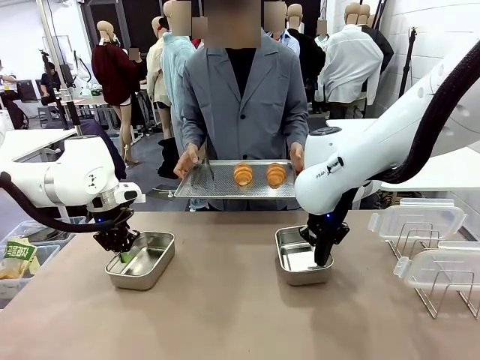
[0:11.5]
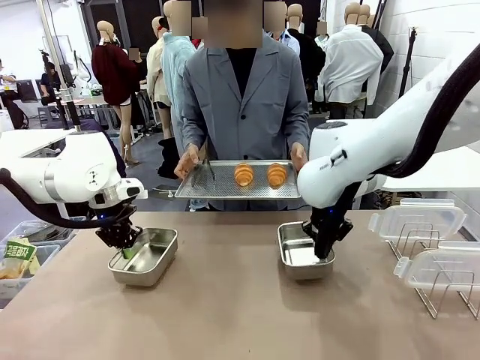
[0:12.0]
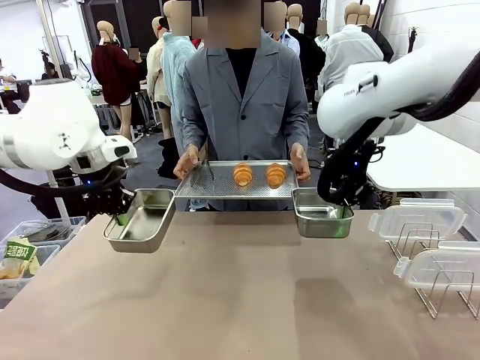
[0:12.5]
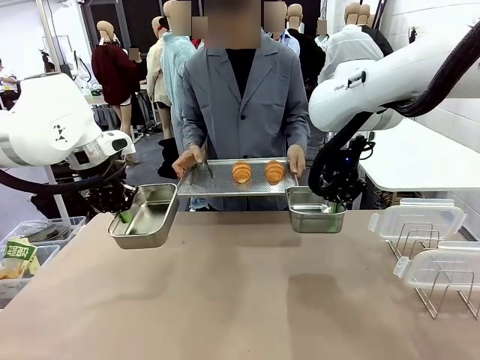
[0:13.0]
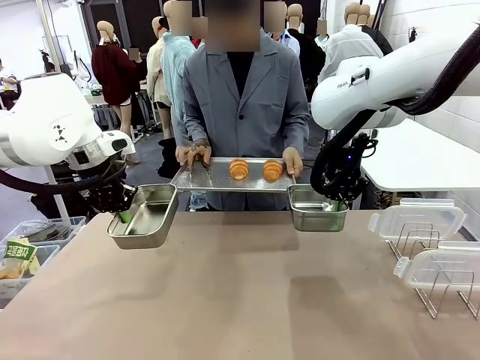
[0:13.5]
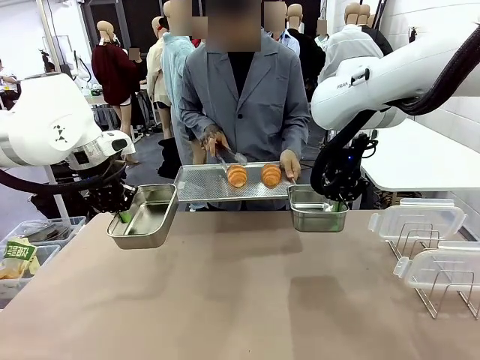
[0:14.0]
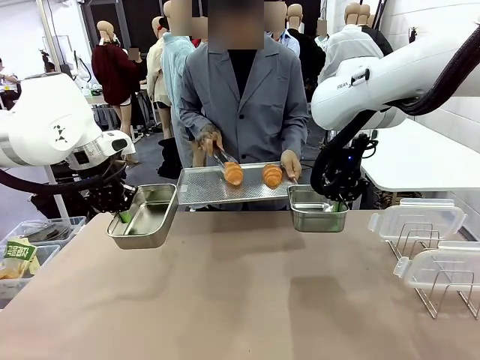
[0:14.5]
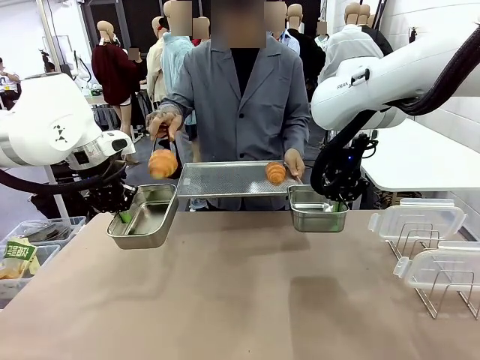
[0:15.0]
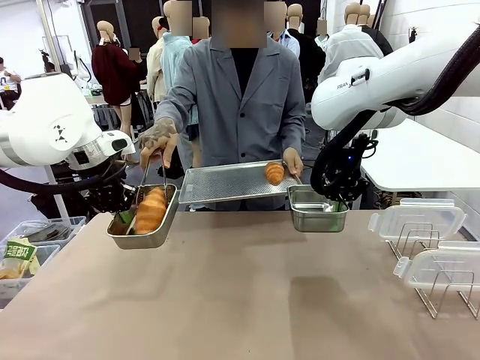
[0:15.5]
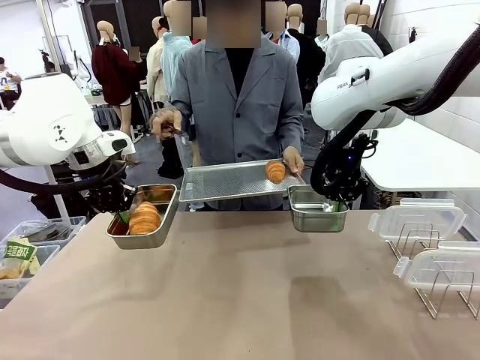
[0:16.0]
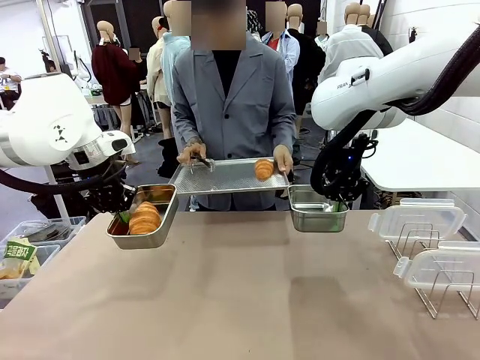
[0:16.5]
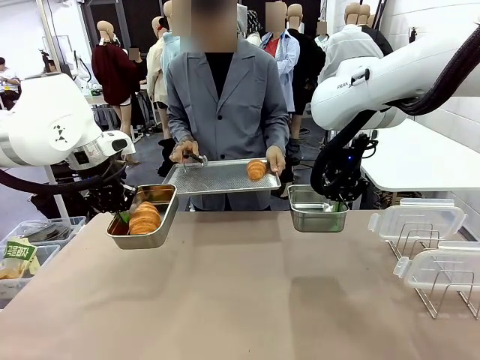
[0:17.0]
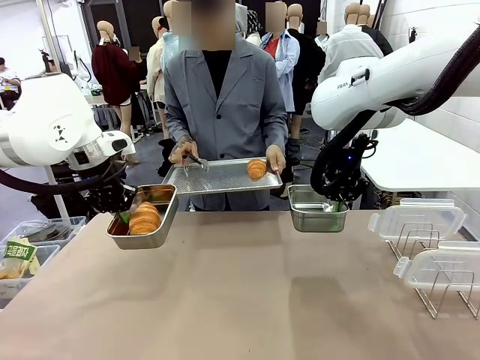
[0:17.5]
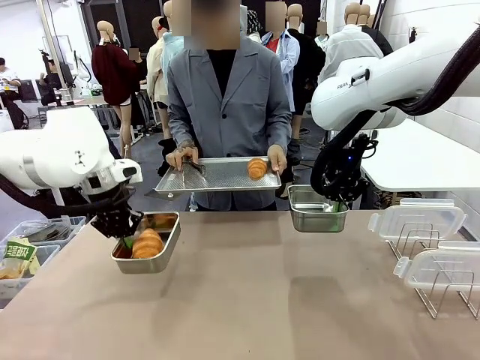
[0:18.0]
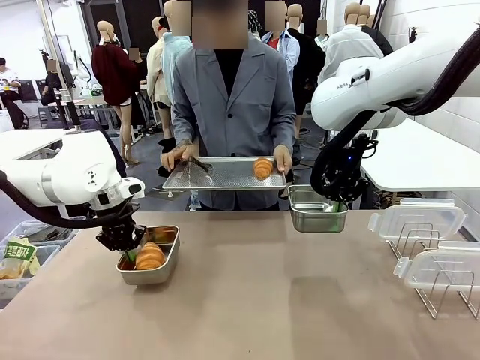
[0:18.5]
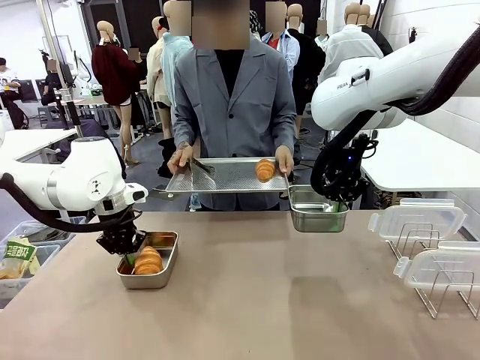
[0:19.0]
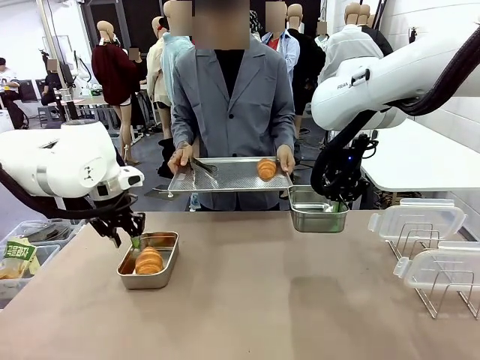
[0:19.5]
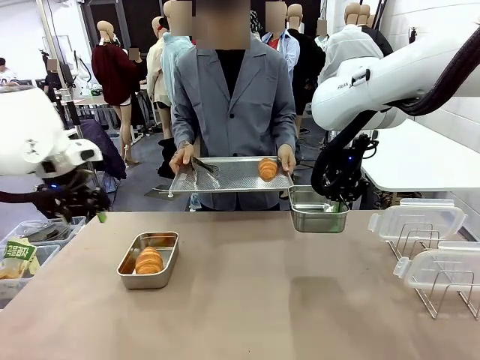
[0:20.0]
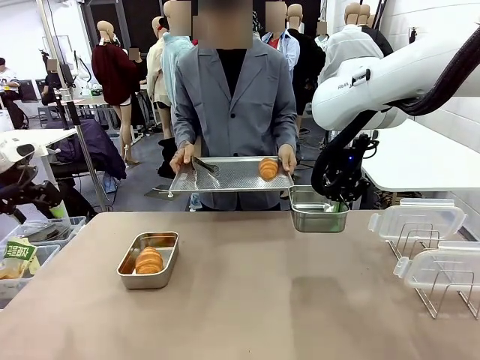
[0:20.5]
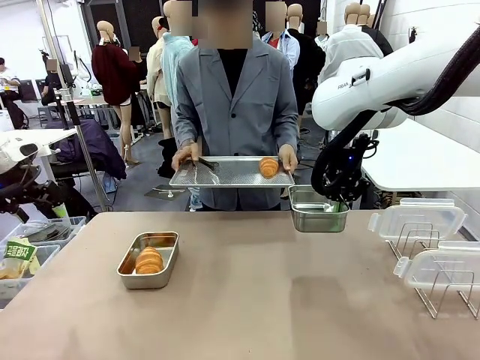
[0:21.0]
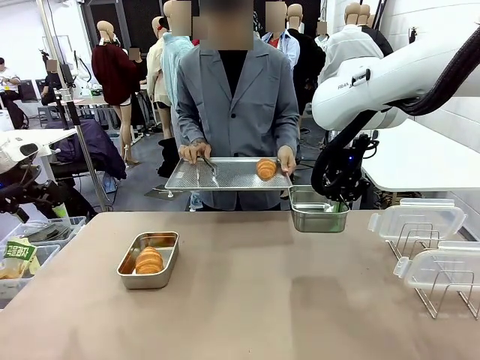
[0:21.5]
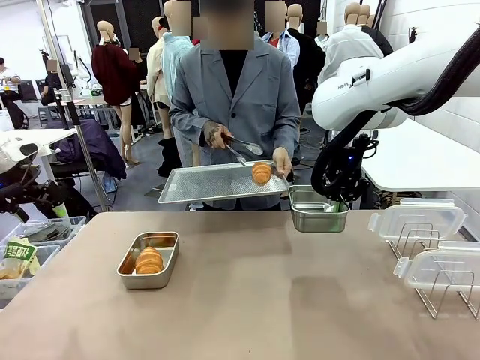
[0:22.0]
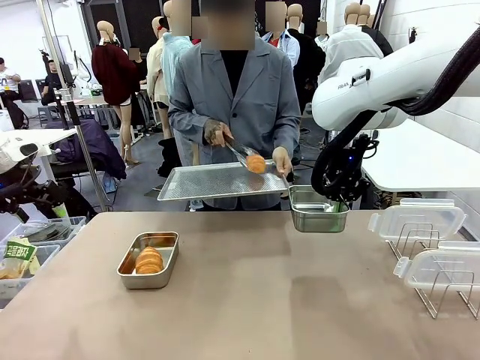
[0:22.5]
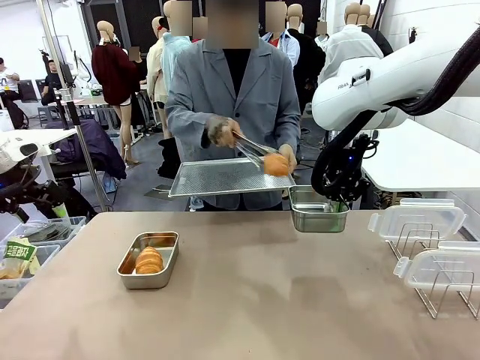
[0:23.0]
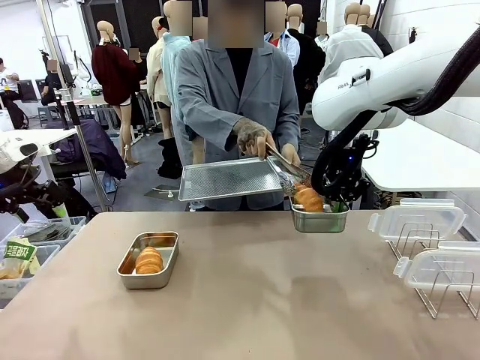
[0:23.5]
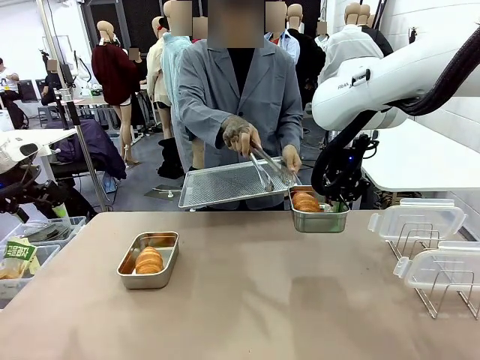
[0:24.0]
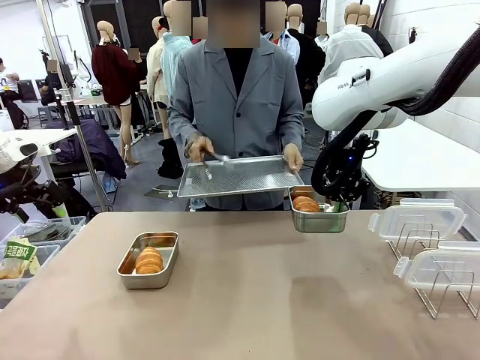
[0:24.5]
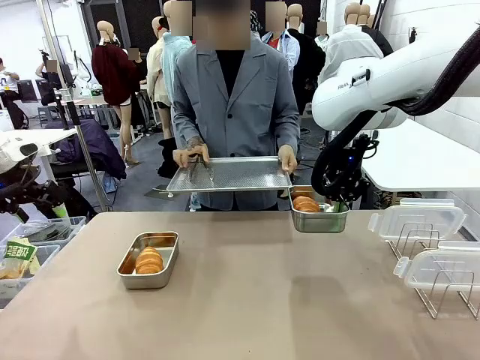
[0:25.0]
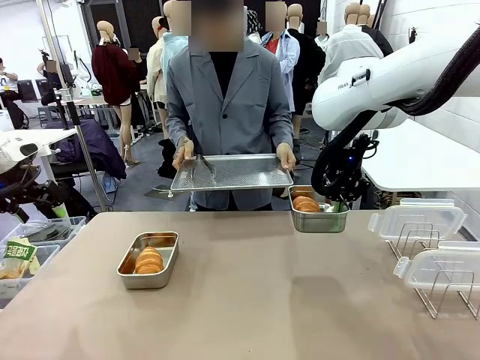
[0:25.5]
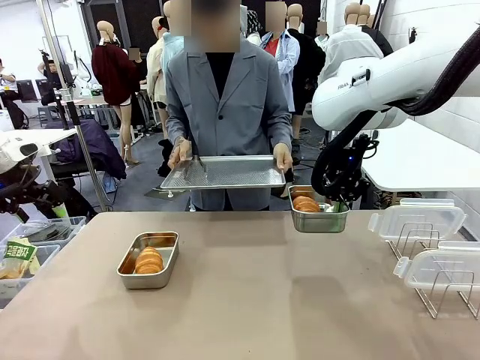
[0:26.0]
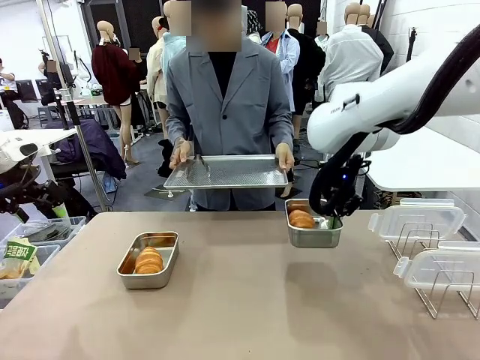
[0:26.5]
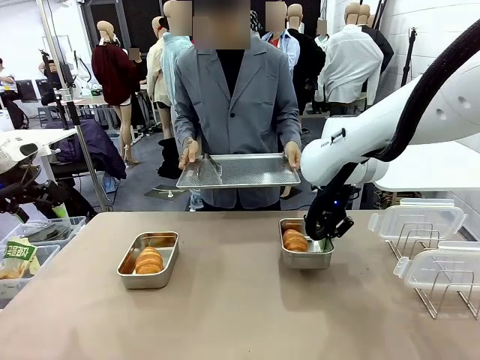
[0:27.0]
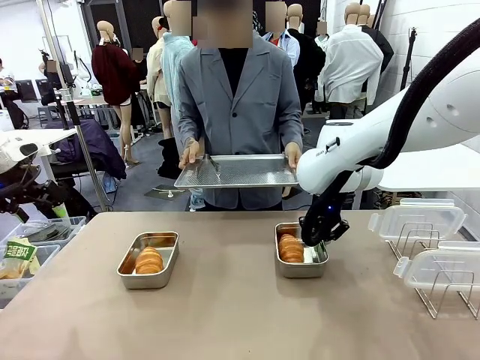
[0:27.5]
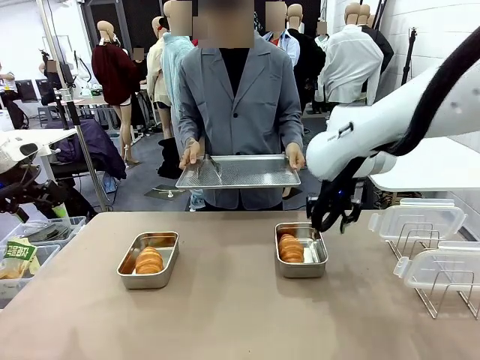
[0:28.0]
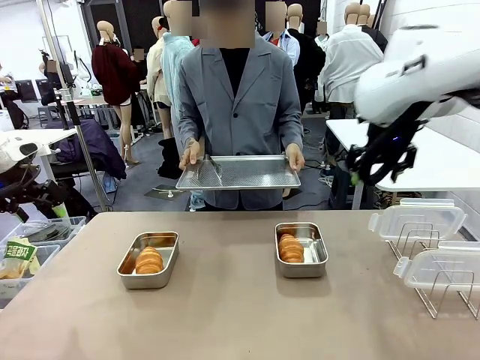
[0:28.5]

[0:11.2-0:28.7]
Task: Place the bread in airtight containers.
Robot: Once an object is inside an Airtight Container , place the container in the center of the table.
Person: Use the Stainless steel tongs to place one object from Baking Sheet into one Airtight Container.

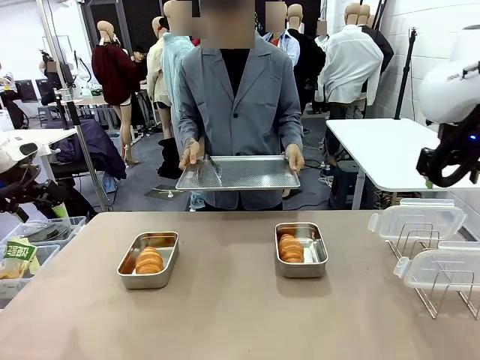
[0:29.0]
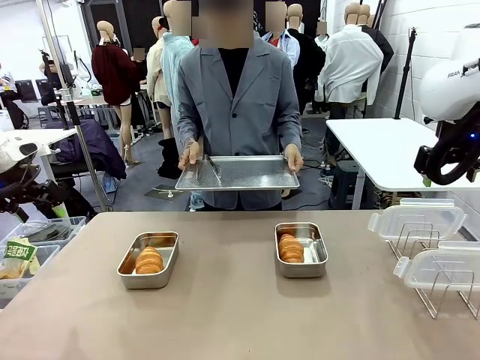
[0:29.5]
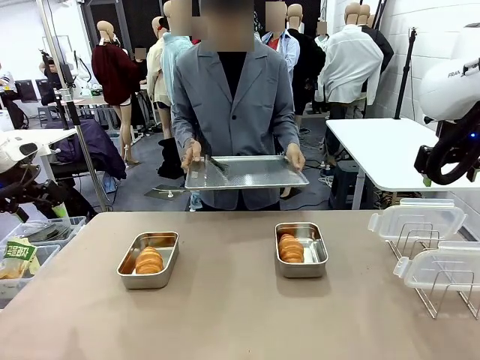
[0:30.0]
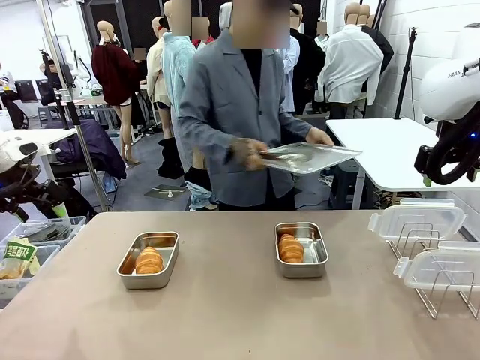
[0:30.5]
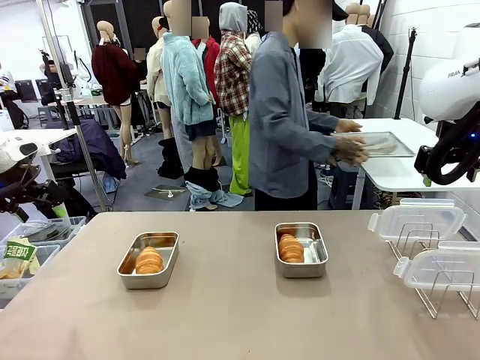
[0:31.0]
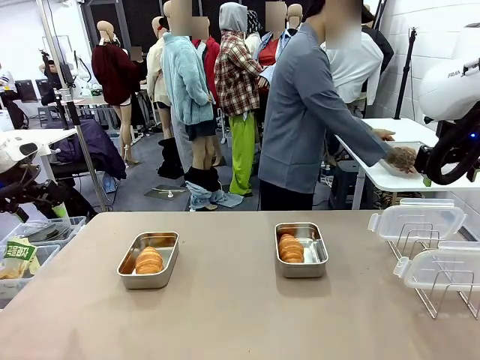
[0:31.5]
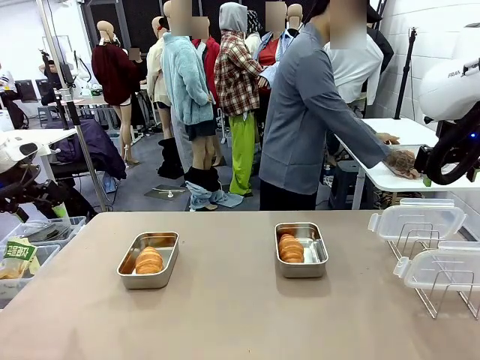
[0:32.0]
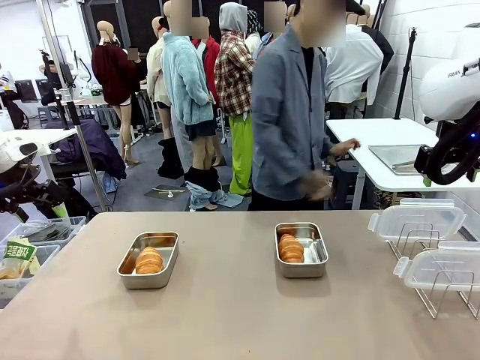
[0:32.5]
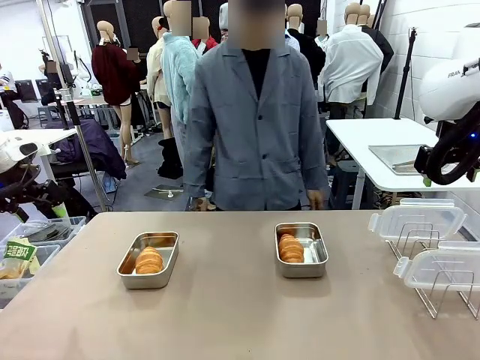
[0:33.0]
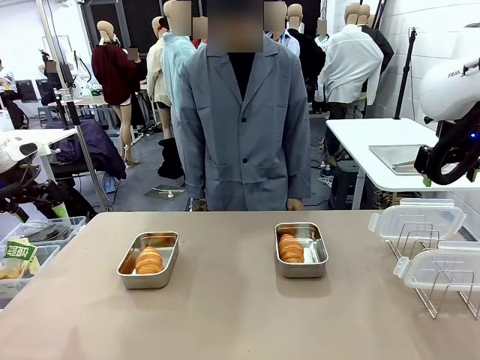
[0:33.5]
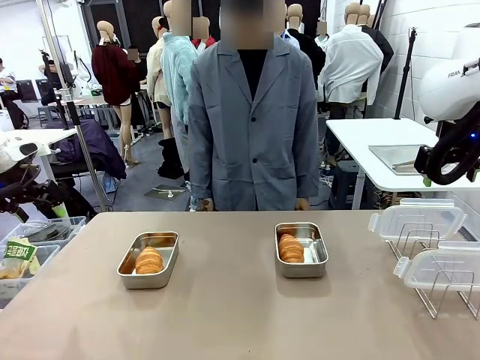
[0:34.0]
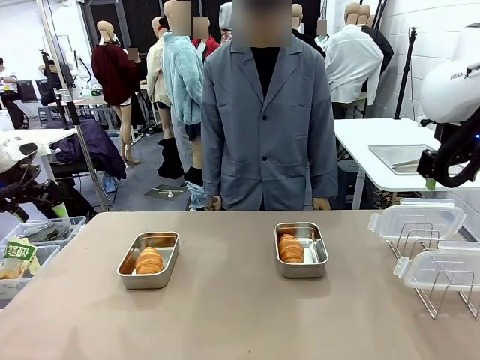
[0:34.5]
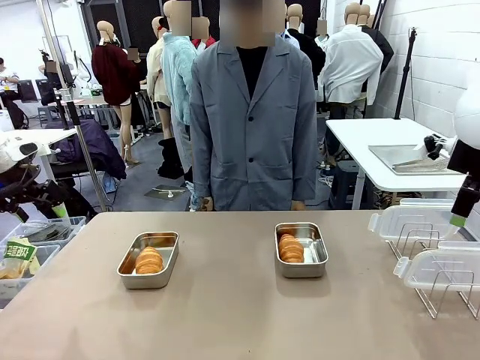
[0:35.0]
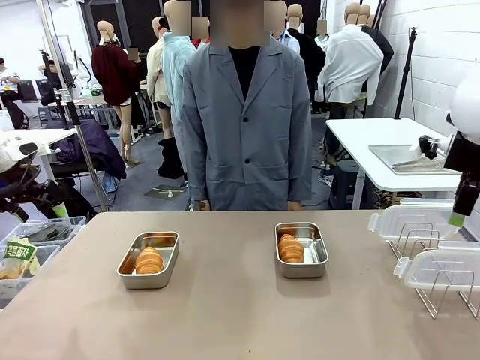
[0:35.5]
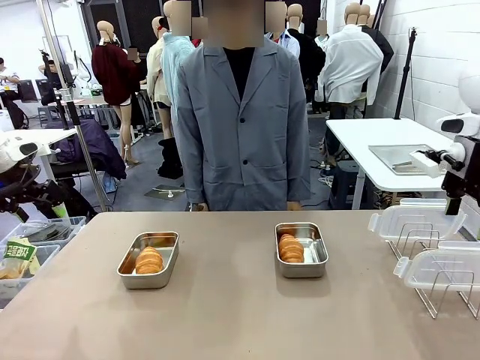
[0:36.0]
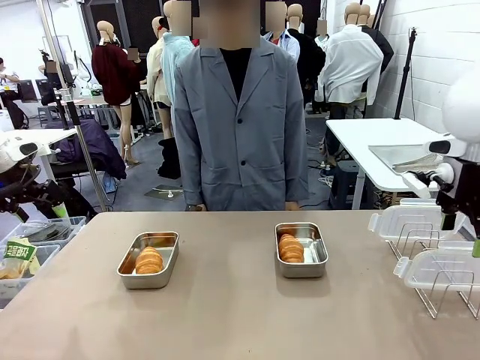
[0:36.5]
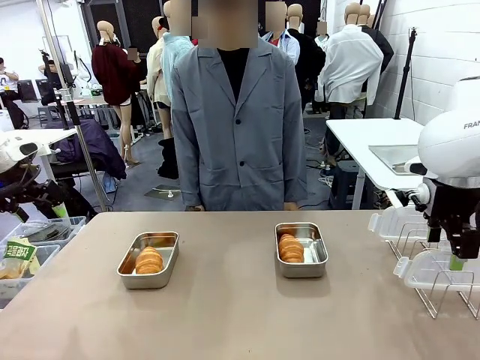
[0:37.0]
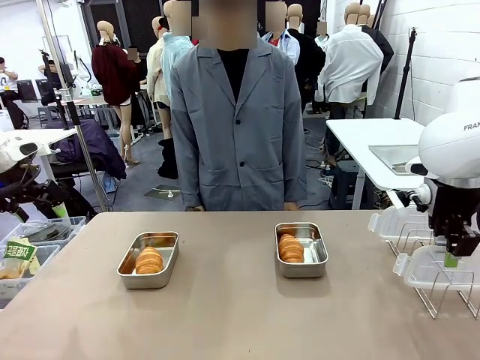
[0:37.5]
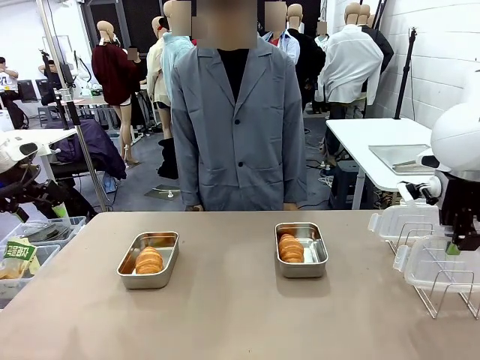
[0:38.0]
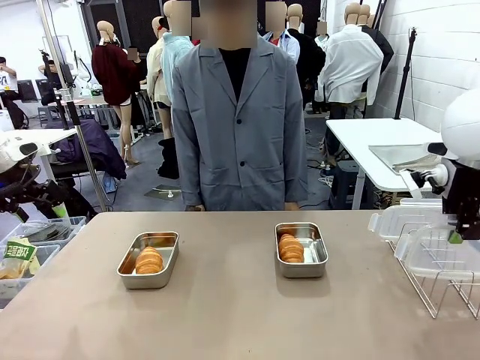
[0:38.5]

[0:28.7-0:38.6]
Robot: Pick up one Airtight Container lid and hand it to the human.
Person: Place Baking Sheet on the Human's Table. Grip Airtight Container lid that robot is handing.

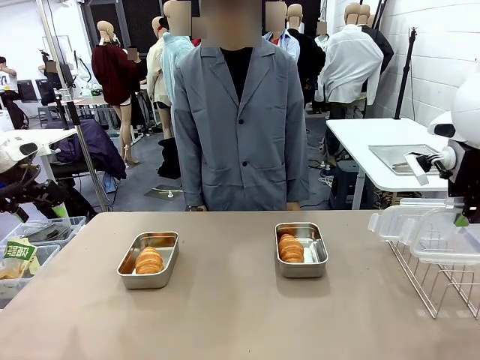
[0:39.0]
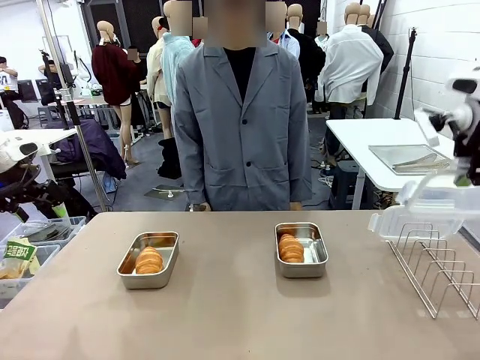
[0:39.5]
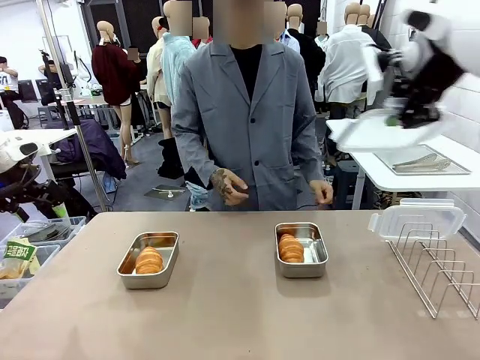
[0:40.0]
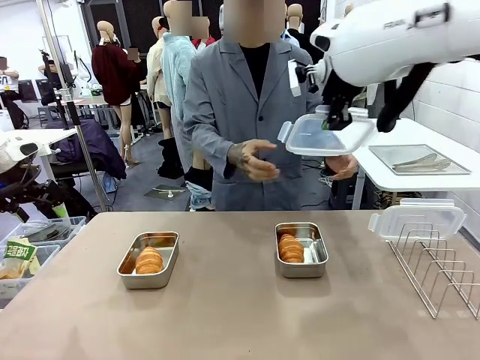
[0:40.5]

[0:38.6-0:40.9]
Robot: Release when the human grabs the Airtight Container lid.
